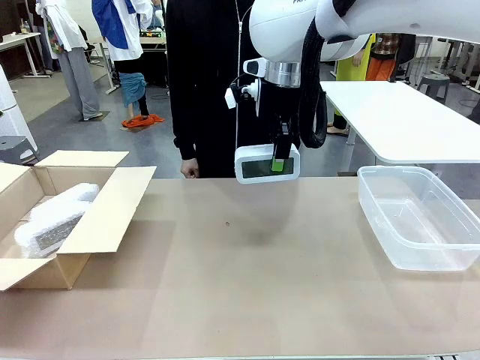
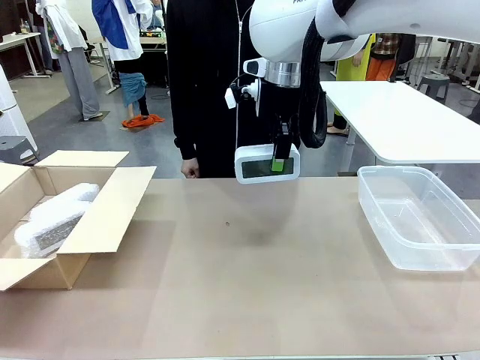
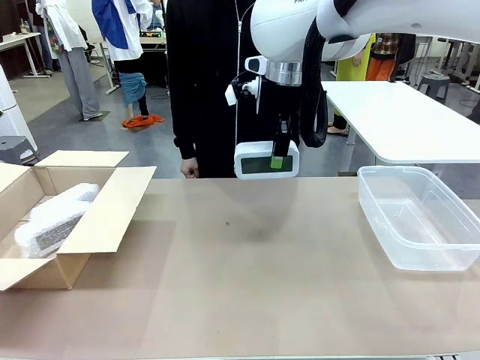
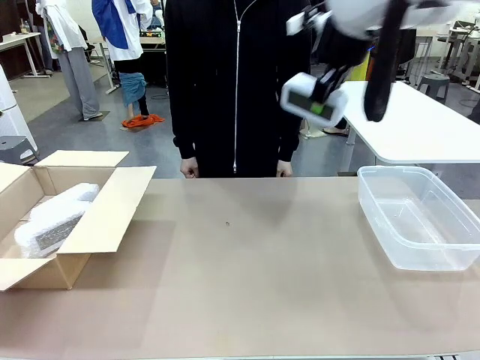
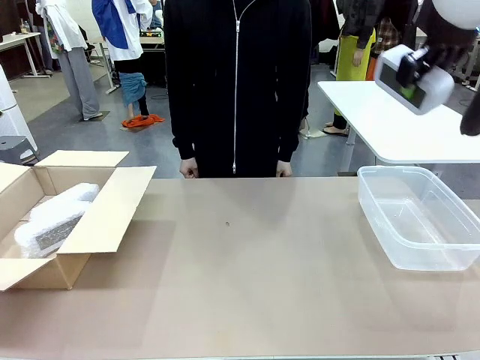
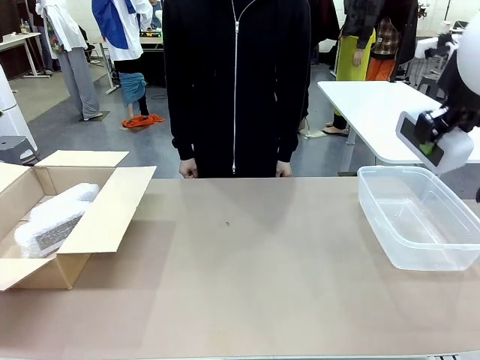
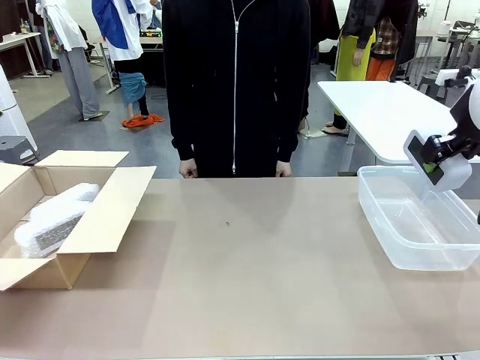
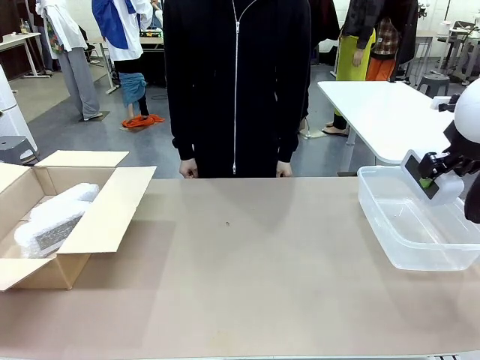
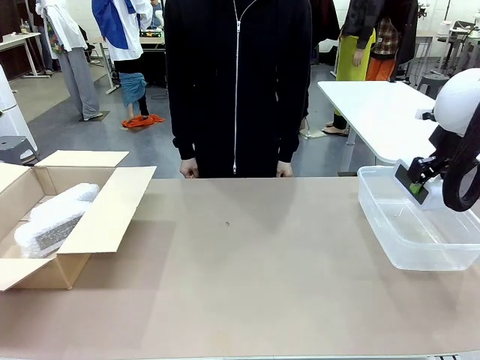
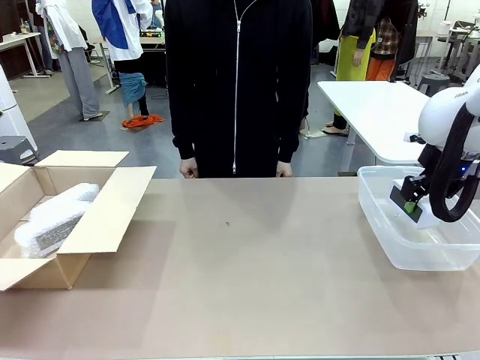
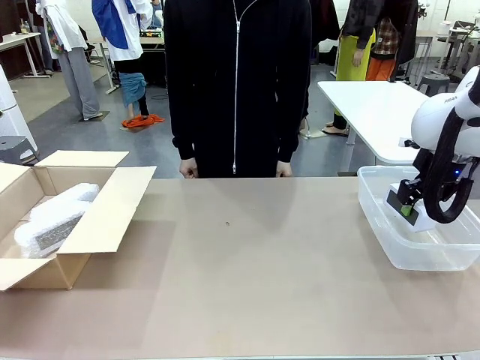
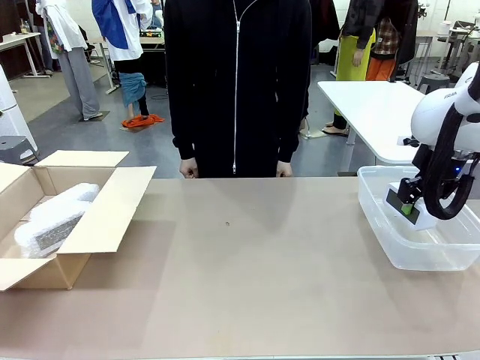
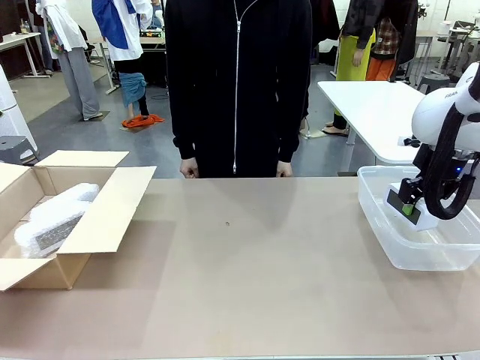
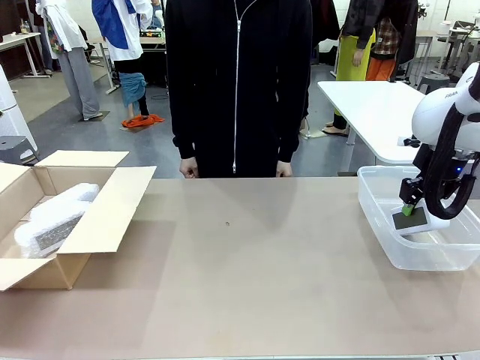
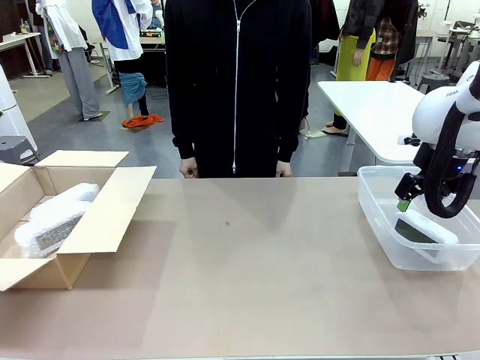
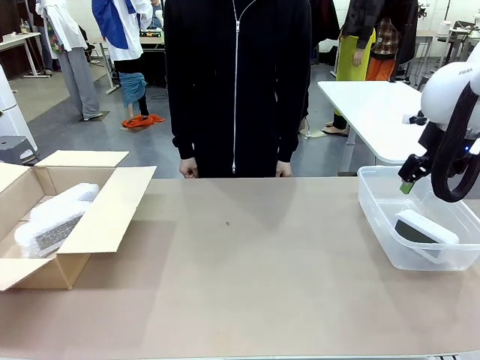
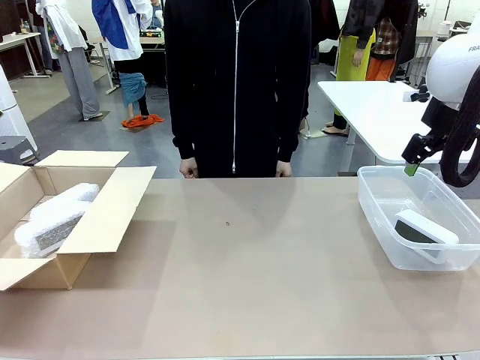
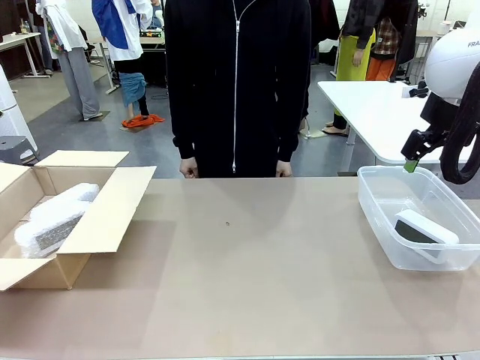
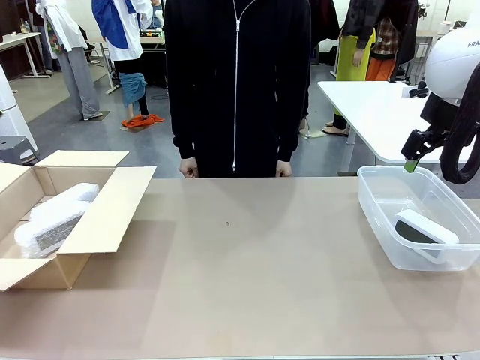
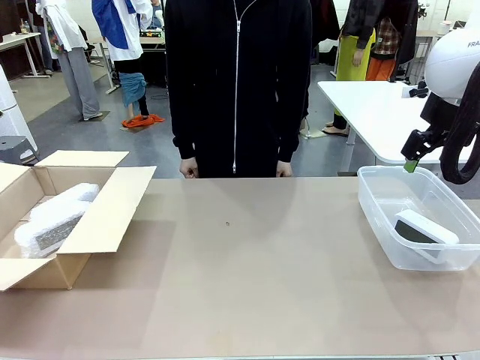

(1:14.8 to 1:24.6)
Task: Separate and place wrapped and unwrapped clocks.
Robot: If the picked Digital clock is wrapped, place it in the Package Box ; if not, place it in the Organizing box.

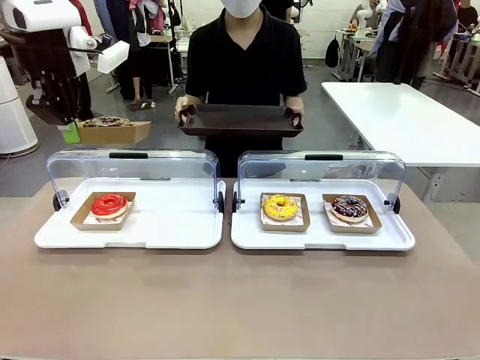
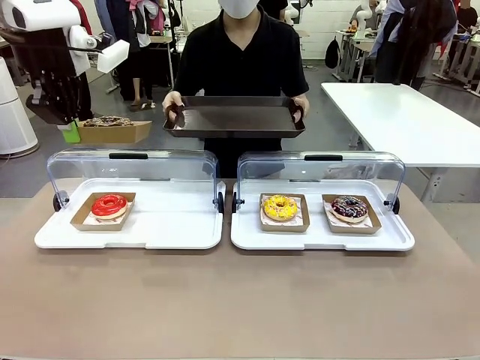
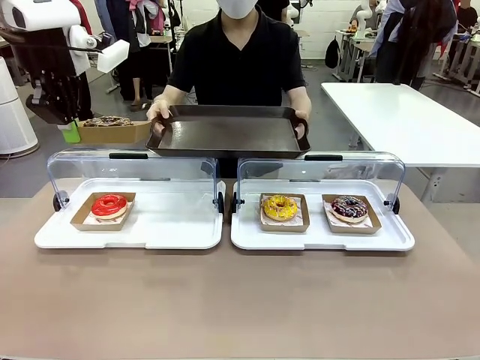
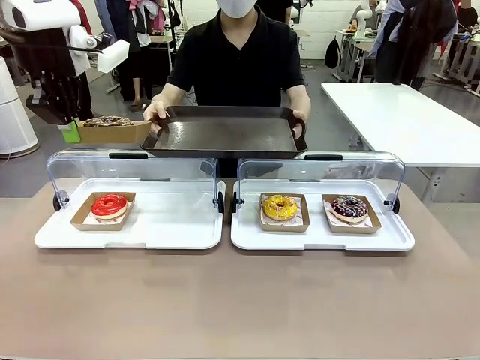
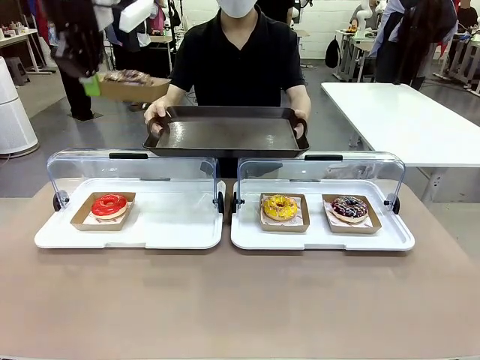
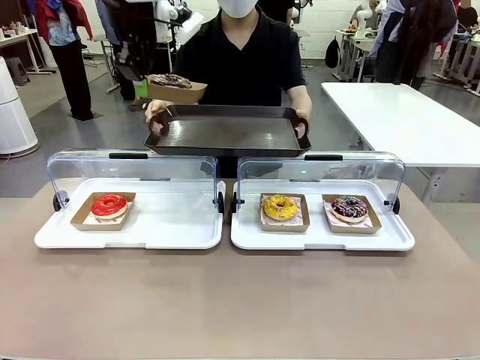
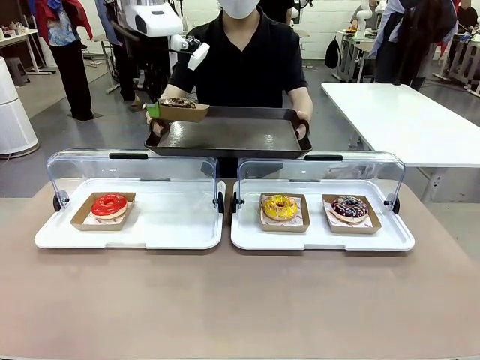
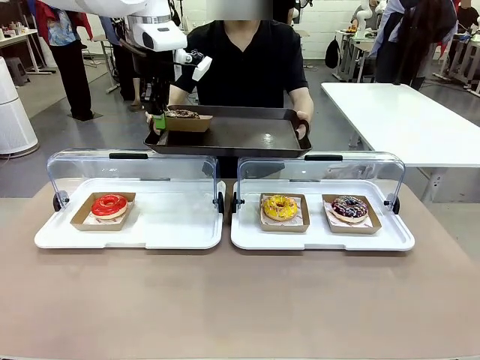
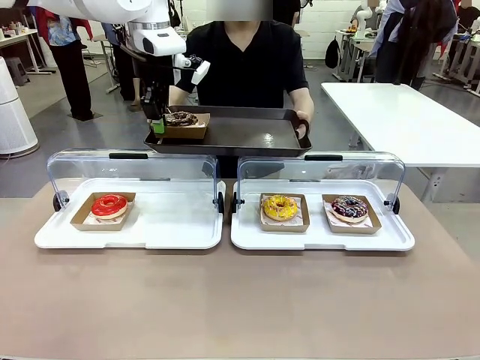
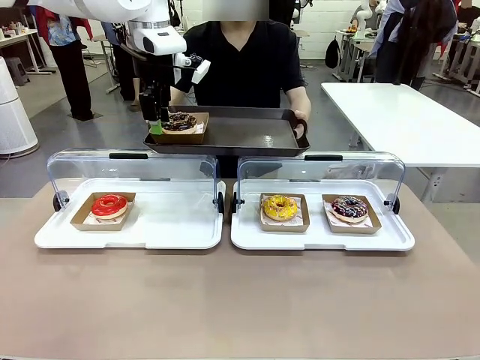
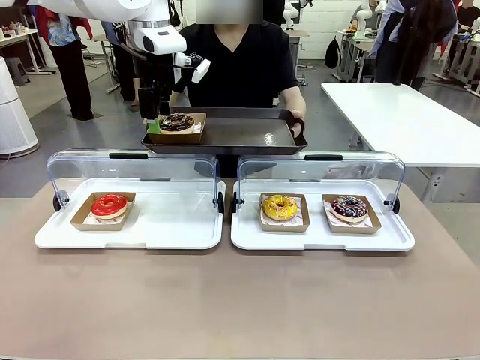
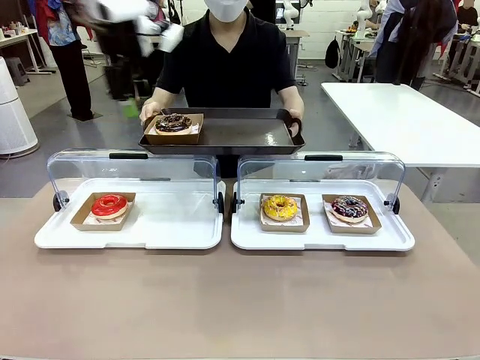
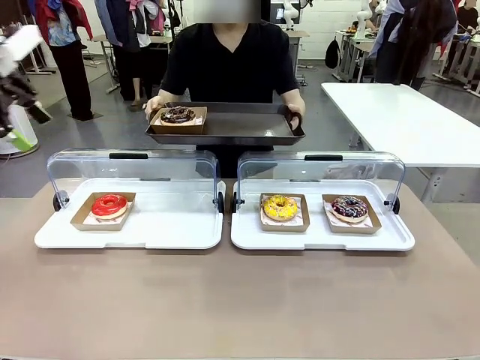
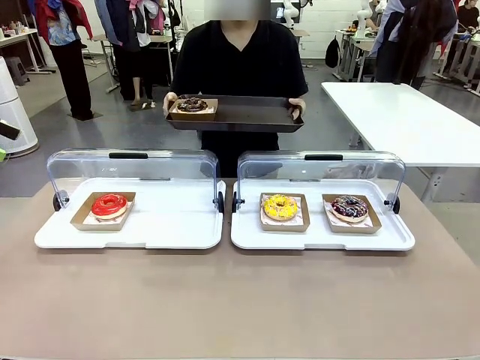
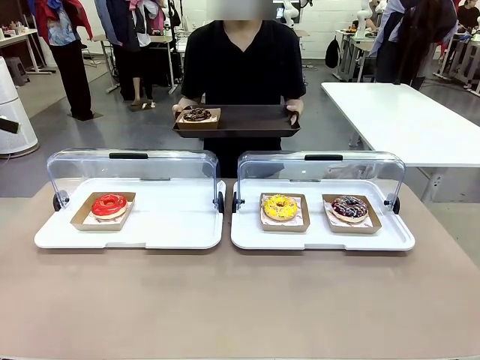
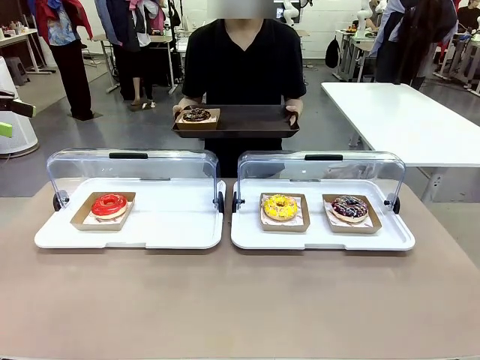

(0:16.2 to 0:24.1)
Task: Provide the desired donut to the person.
Robot: Place the picked Paper togo box onto the Handle tray extended by the person.

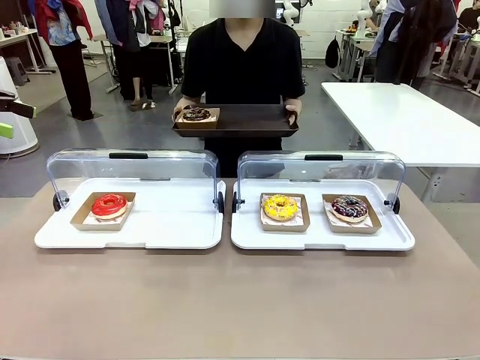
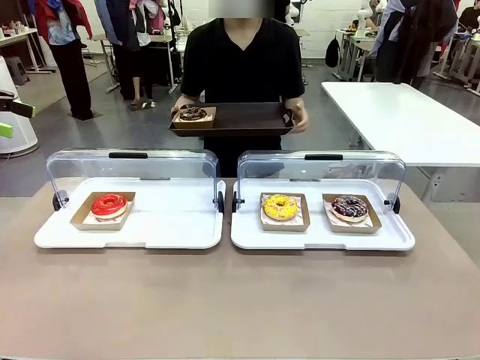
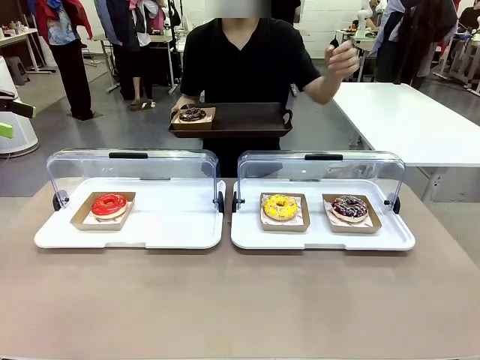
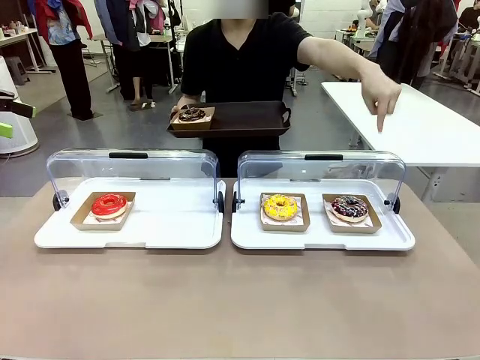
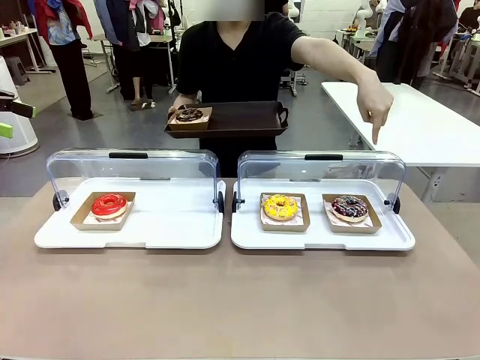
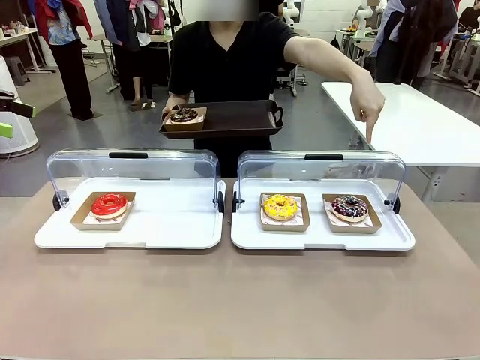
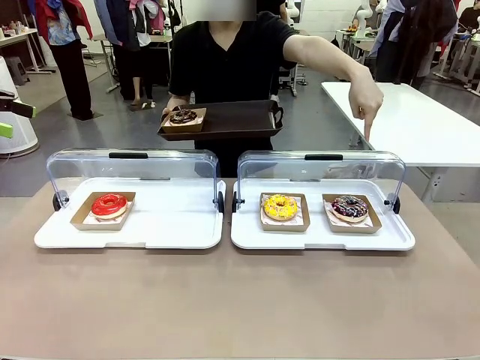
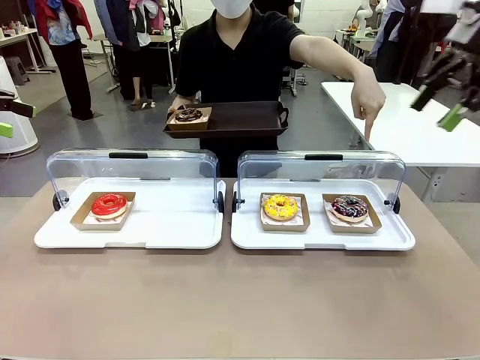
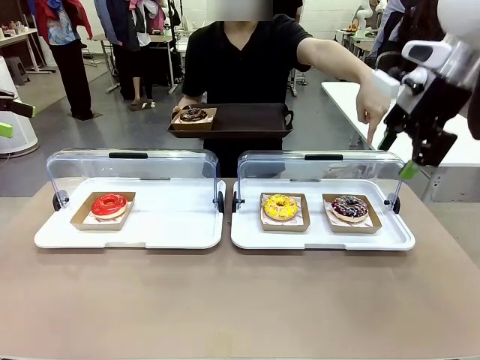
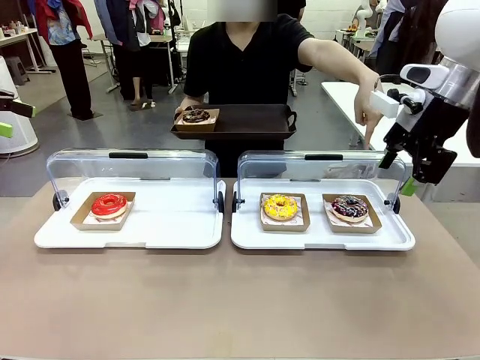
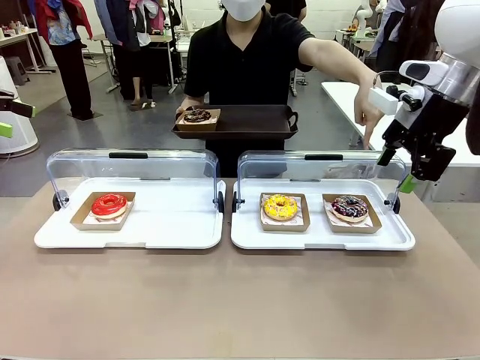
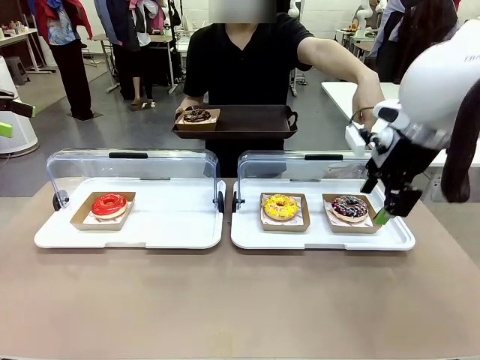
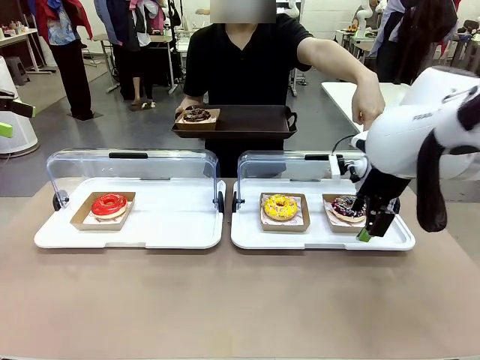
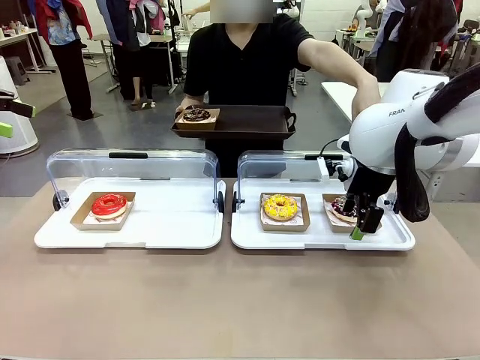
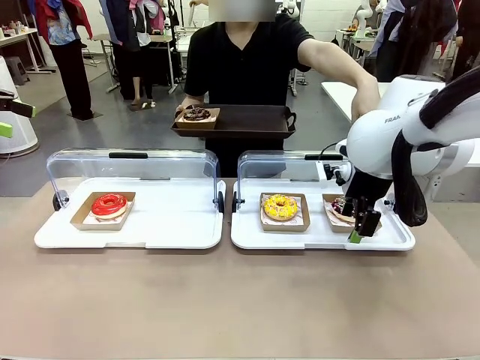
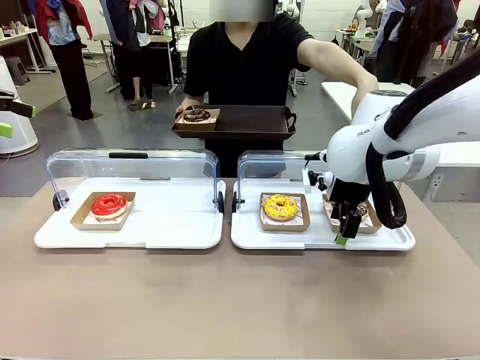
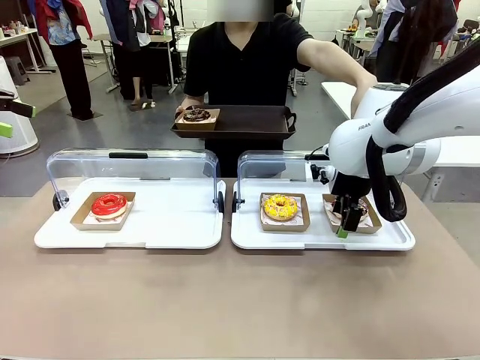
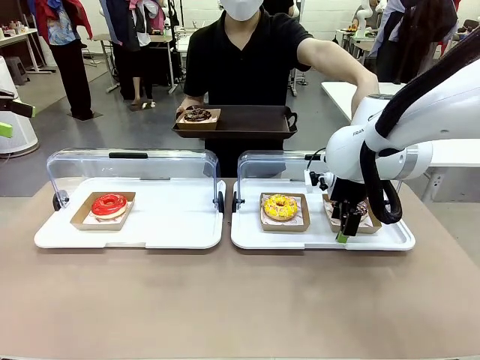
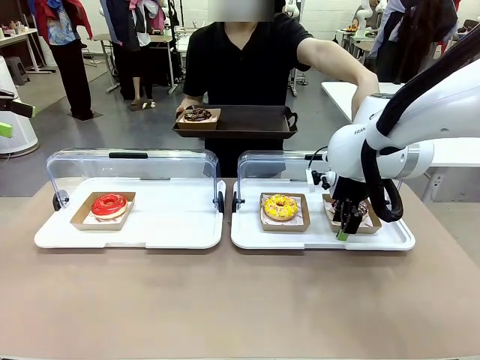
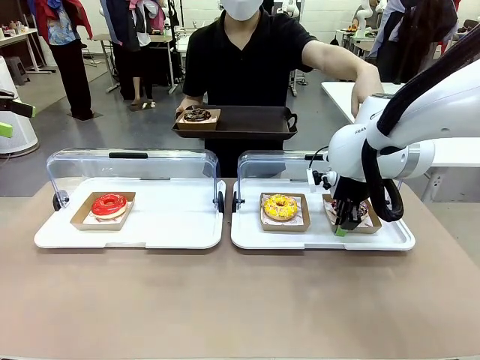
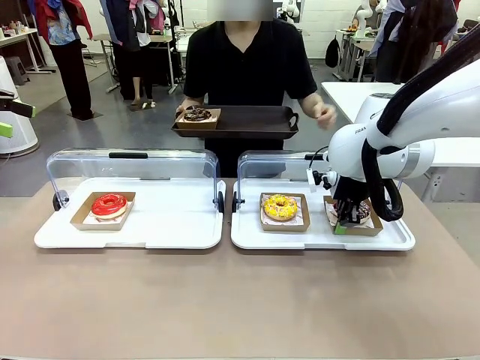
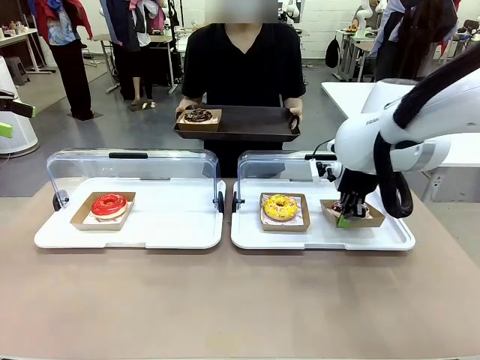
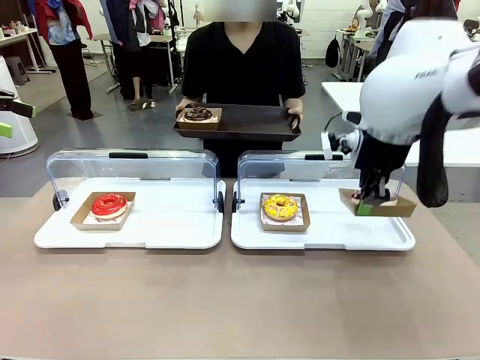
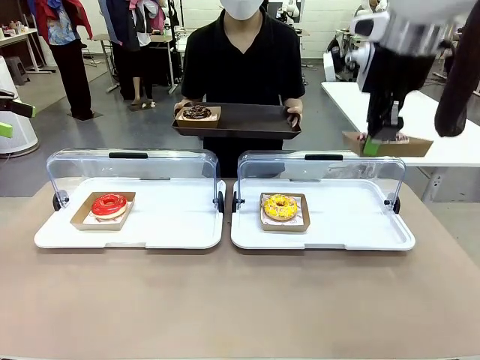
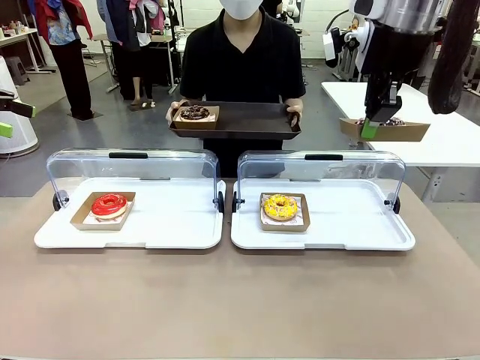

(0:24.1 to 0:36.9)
Robot: Pick up and lift the Paper togo box containing the Donut pointed at by the person.
Person: Point to one donut. Lift the tray onto the Roll-Top Bakery Case.
